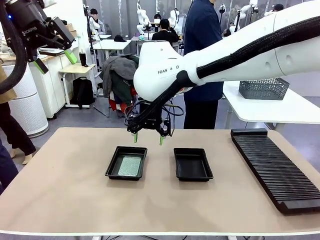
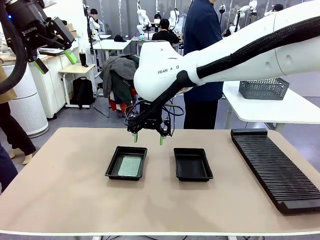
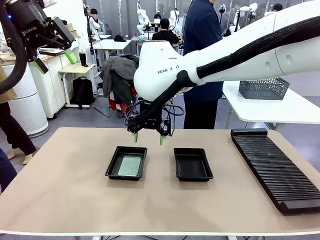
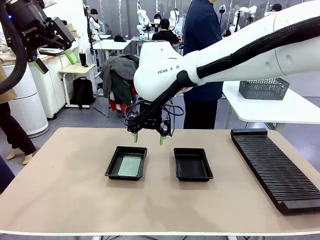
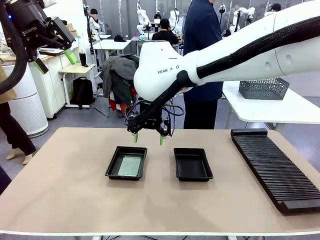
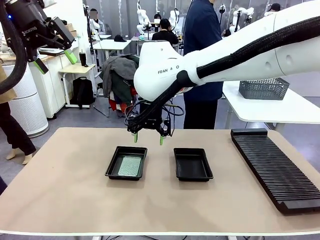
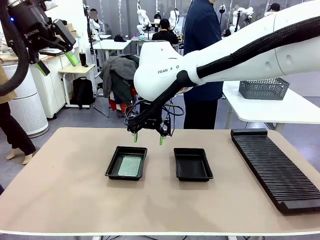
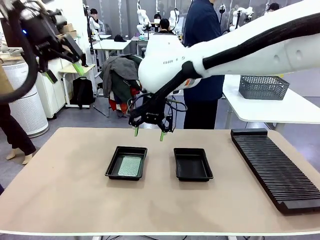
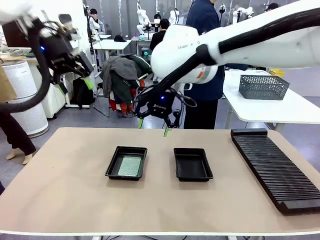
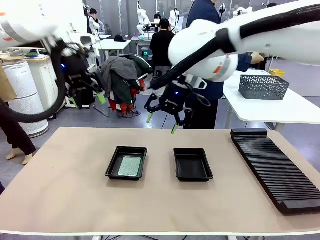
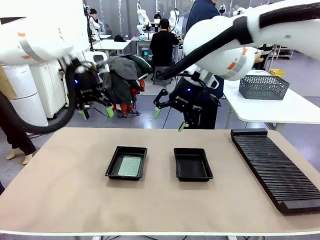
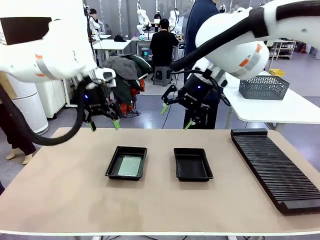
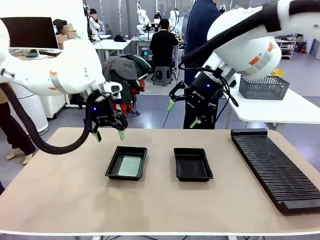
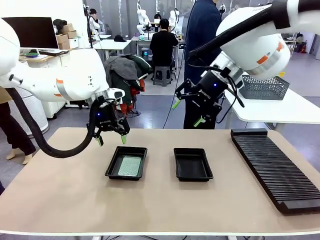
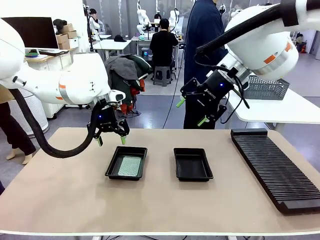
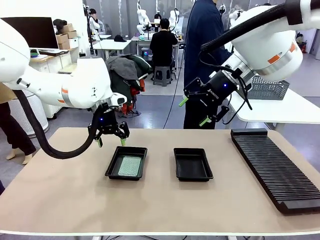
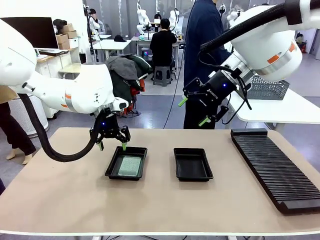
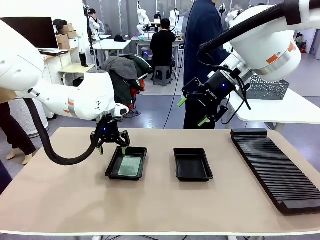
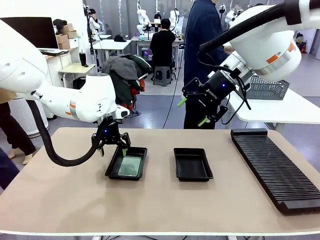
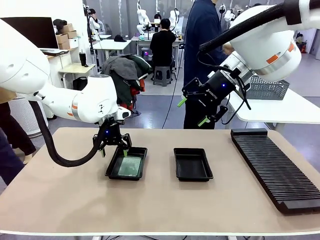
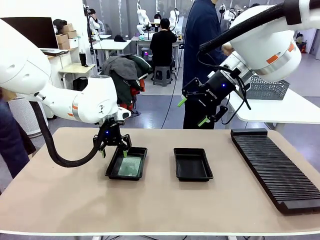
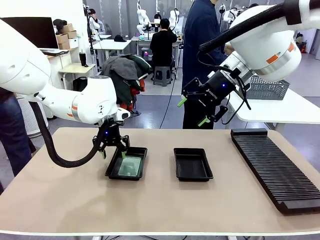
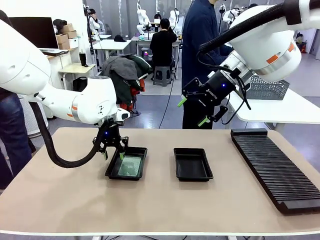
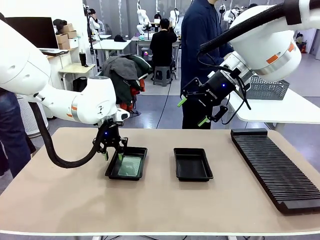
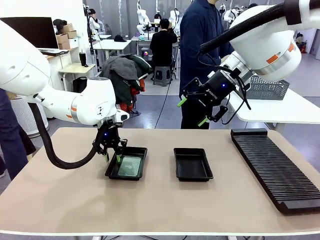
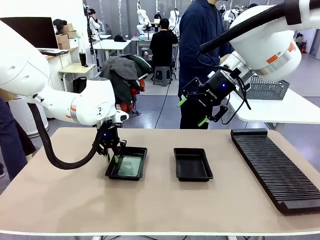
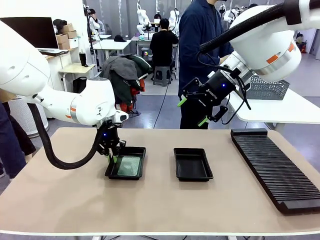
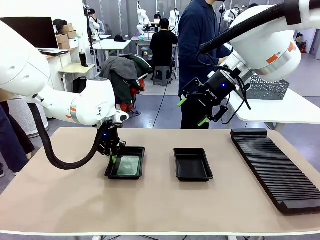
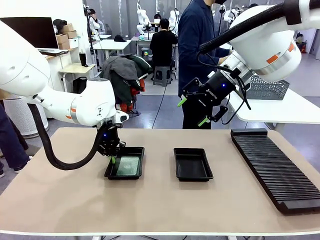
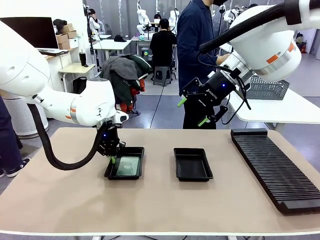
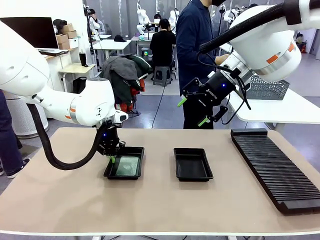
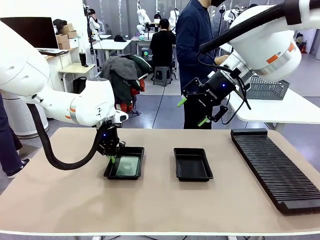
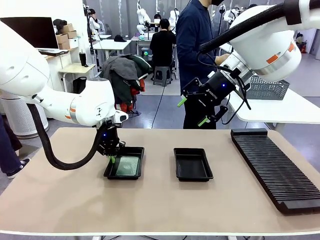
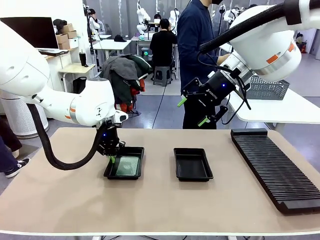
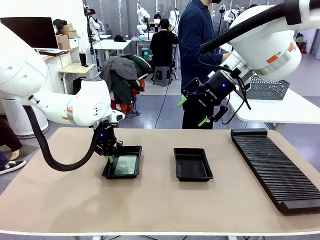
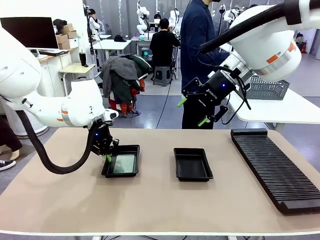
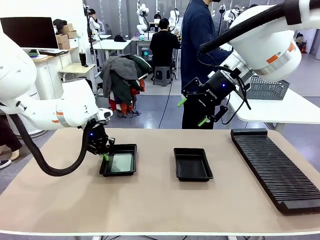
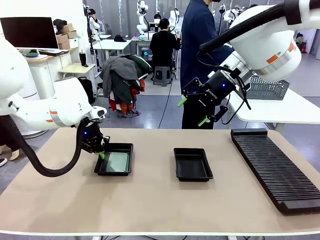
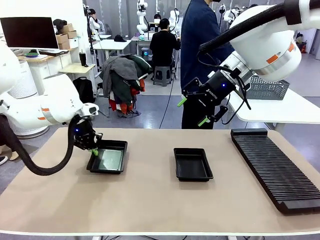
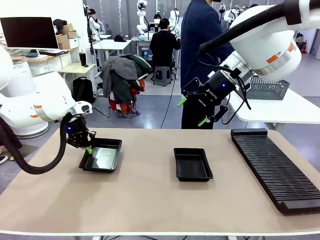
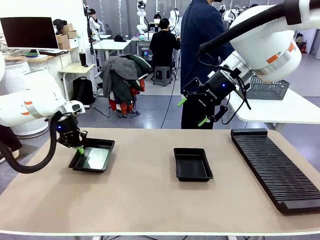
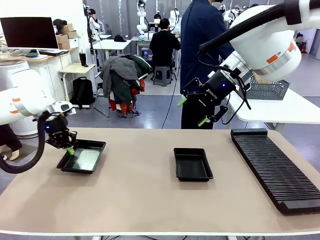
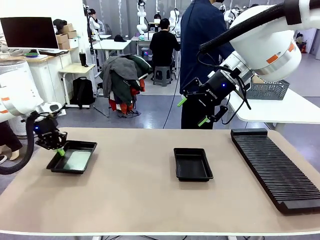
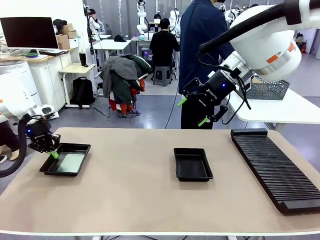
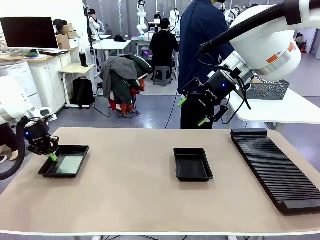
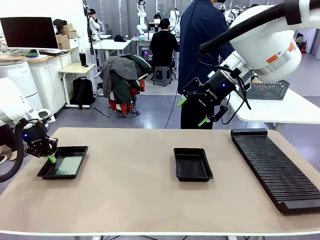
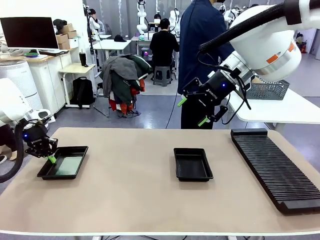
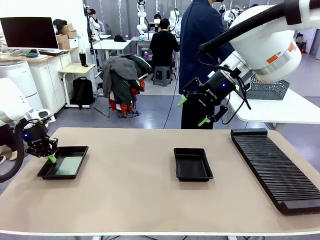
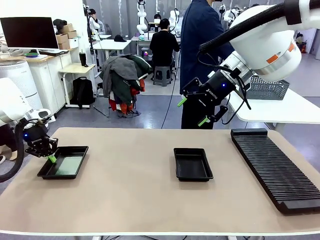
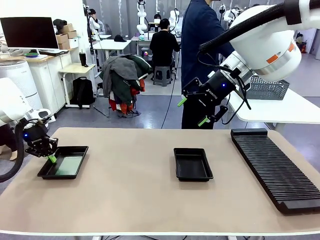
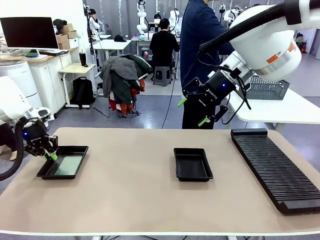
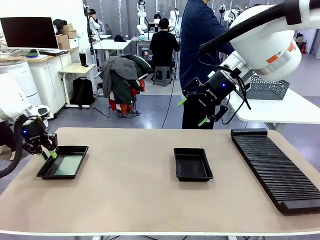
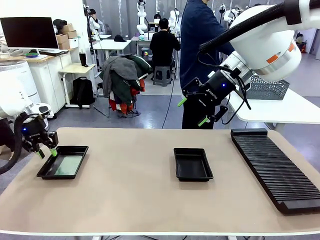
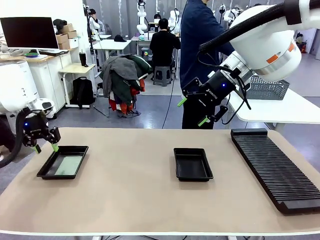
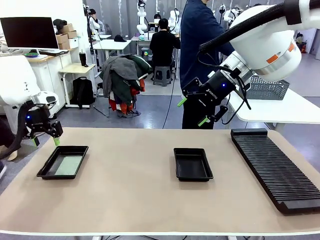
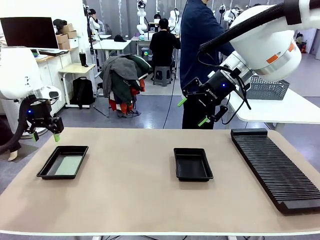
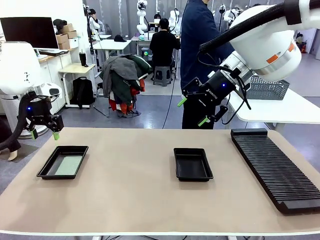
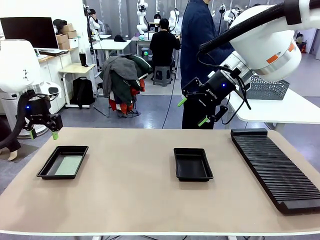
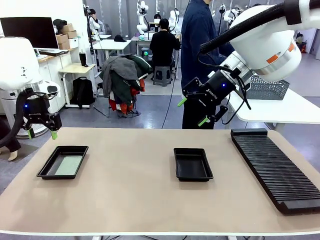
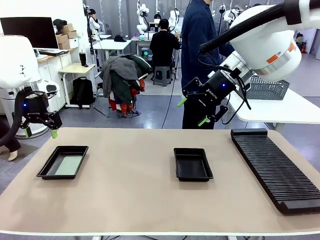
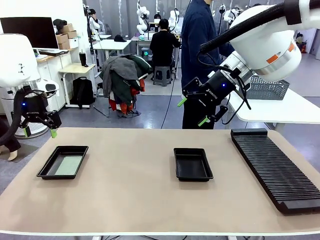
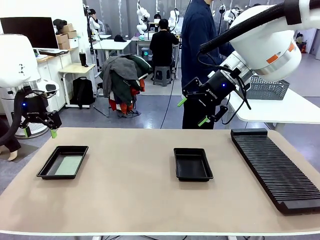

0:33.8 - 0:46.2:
Task: Inspect and transfer BCBs to ESD trays.
Robot: Pick up the ESD tray and place it on the left side of the table.

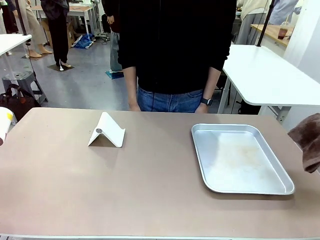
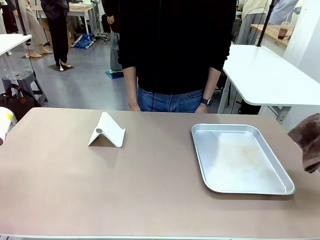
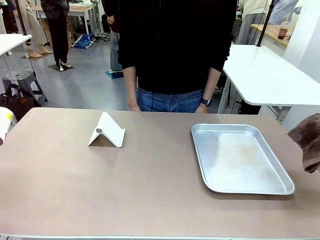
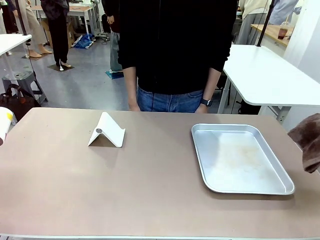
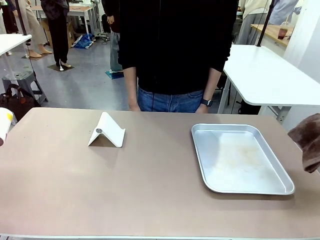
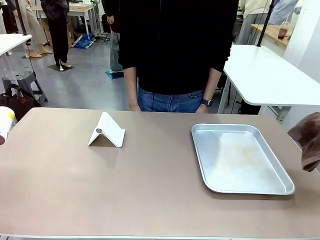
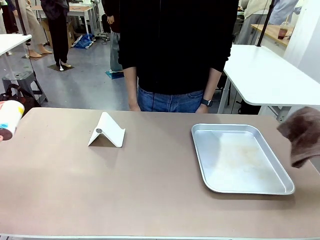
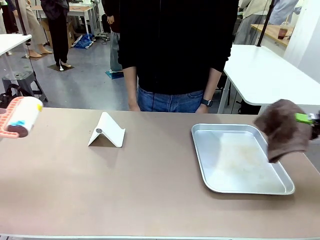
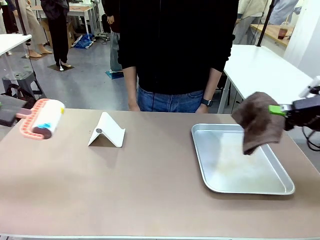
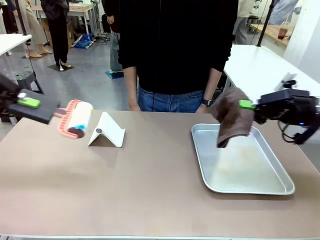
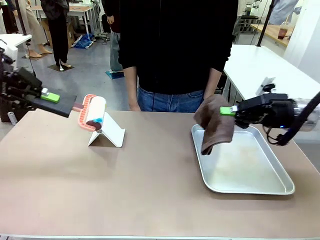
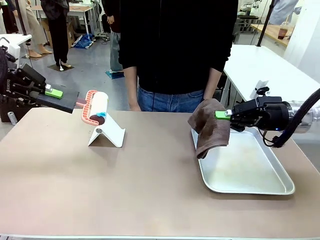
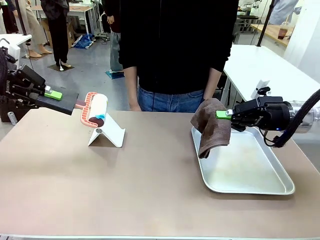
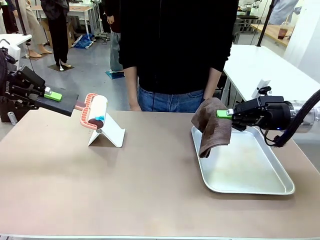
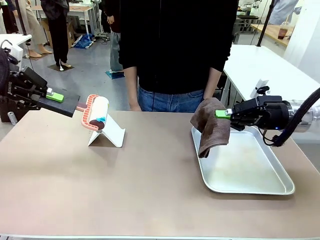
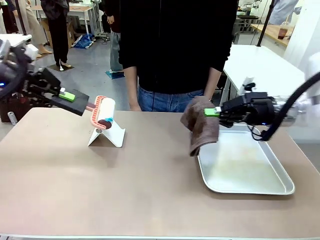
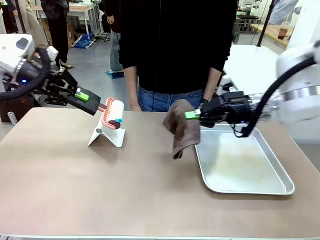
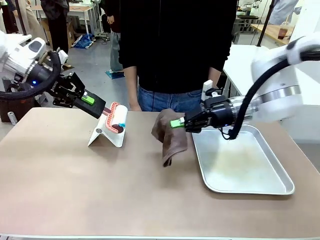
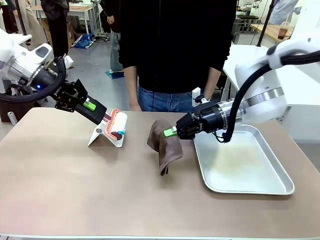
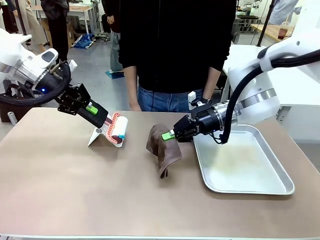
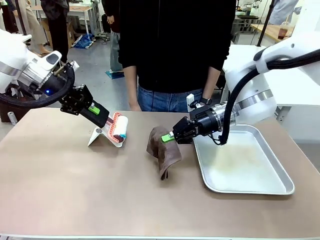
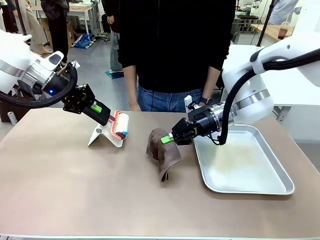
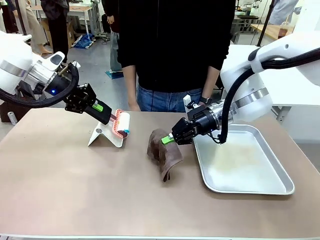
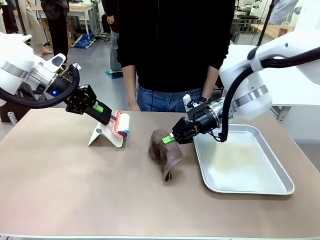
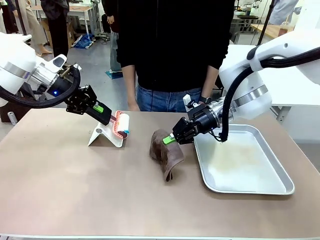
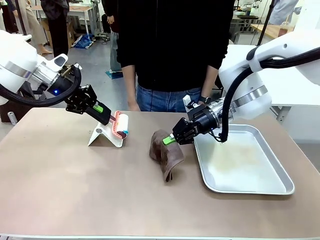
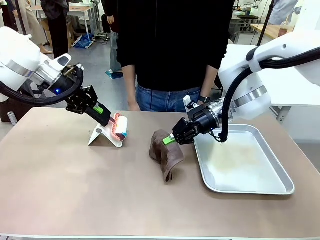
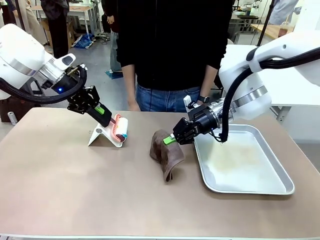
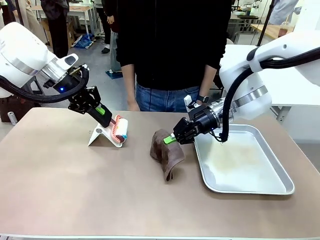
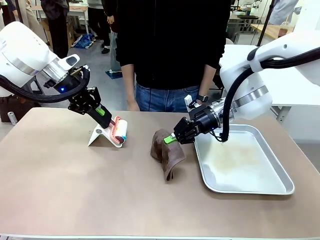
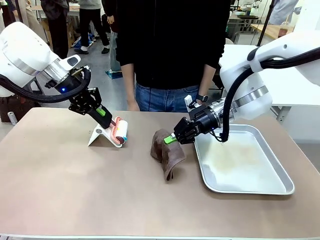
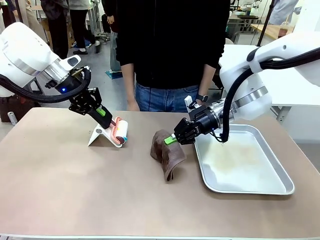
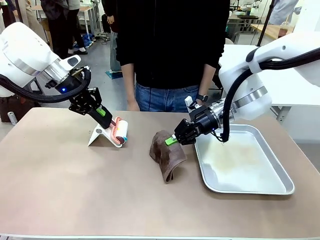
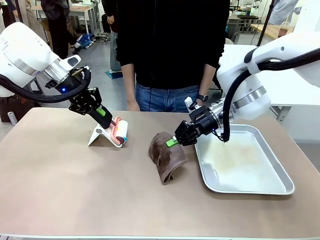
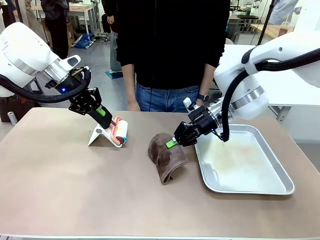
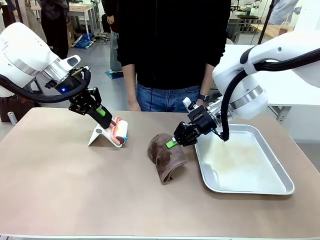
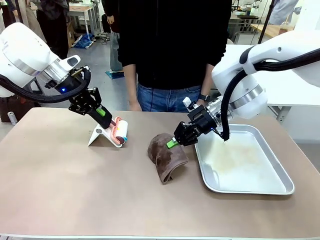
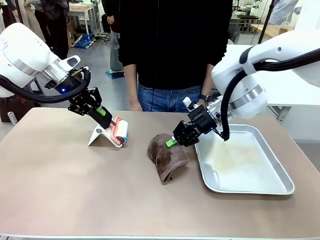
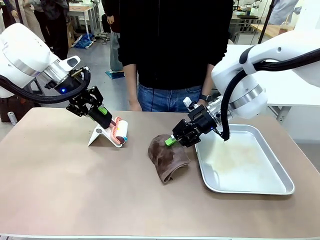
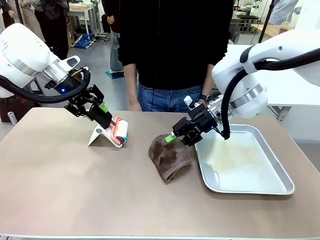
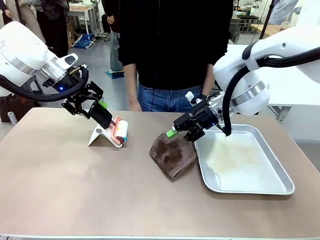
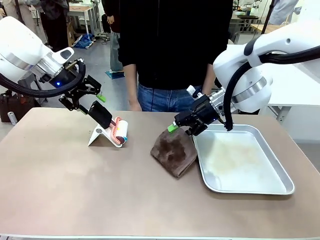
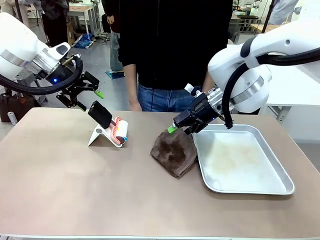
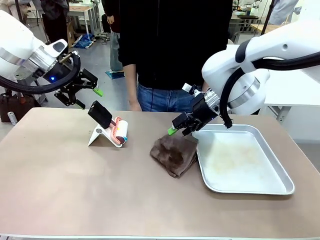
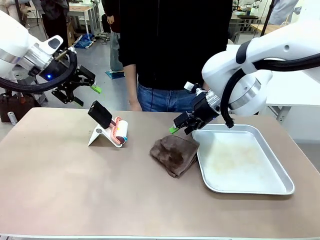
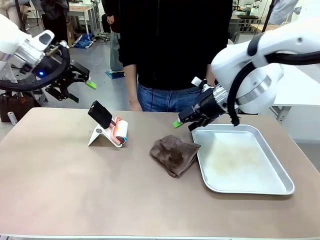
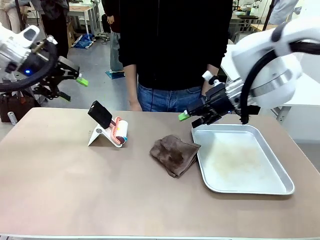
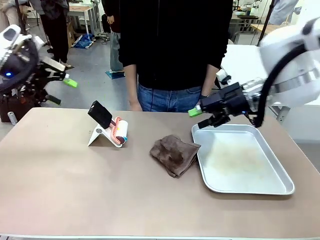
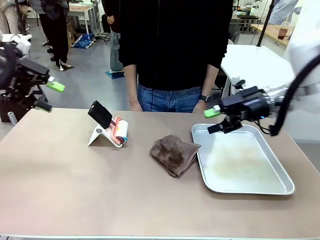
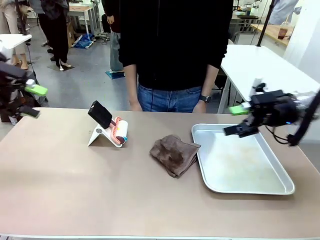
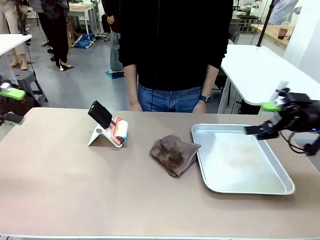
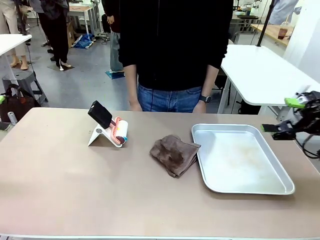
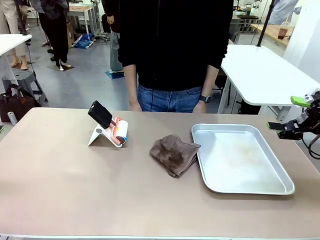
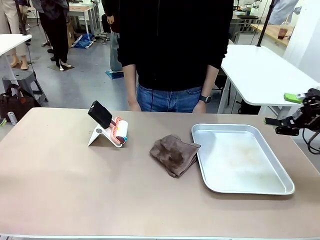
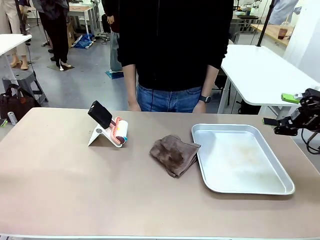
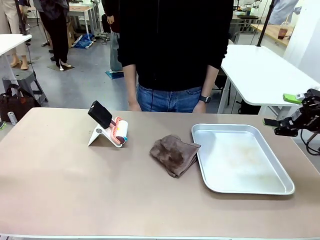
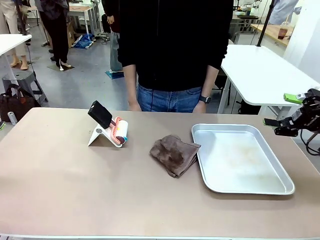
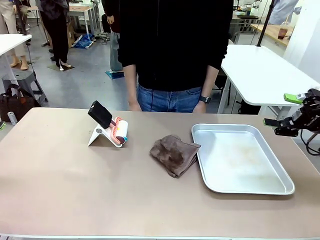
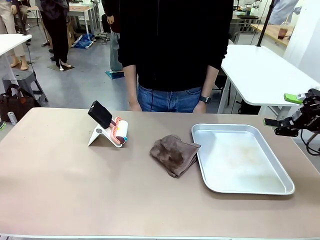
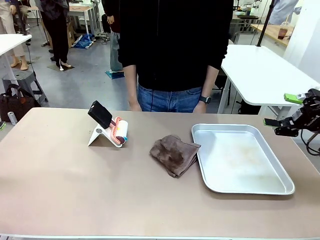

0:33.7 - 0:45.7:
Task: Clean the surface of the table.
Robot: Return the Lint Roller and towel to their original positions.
